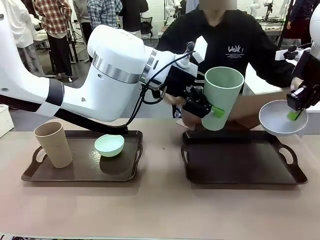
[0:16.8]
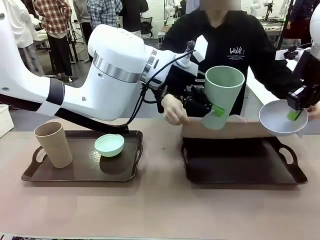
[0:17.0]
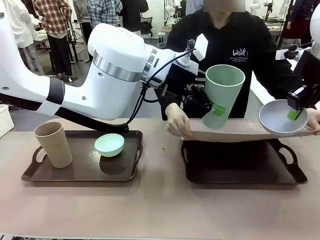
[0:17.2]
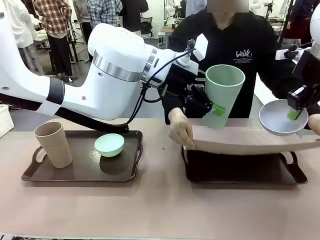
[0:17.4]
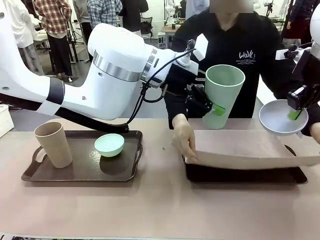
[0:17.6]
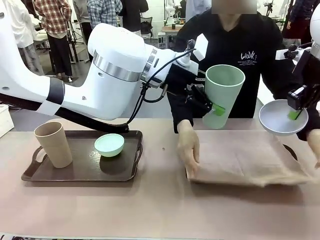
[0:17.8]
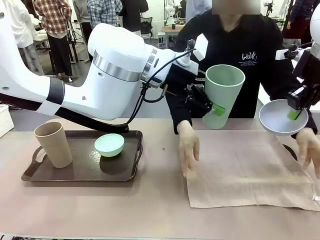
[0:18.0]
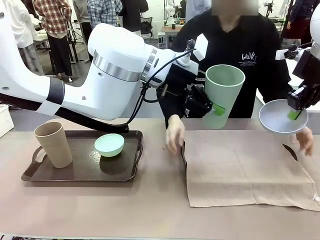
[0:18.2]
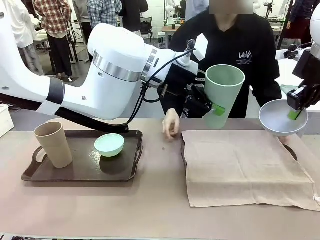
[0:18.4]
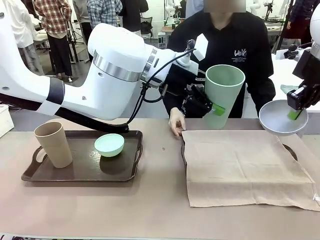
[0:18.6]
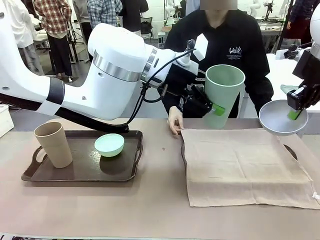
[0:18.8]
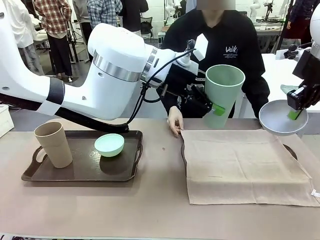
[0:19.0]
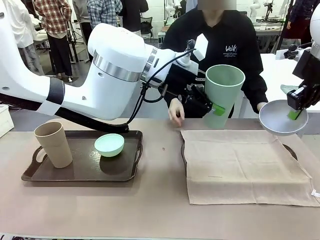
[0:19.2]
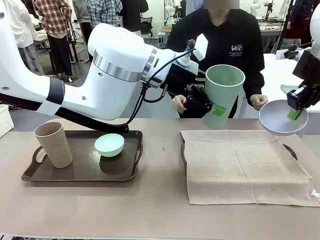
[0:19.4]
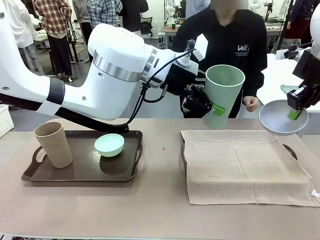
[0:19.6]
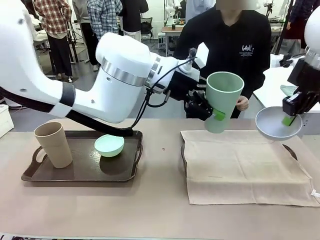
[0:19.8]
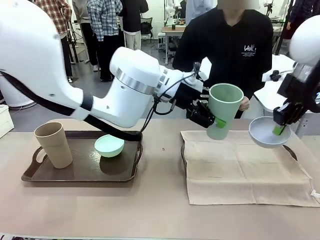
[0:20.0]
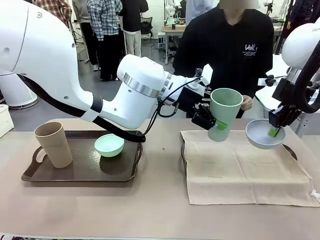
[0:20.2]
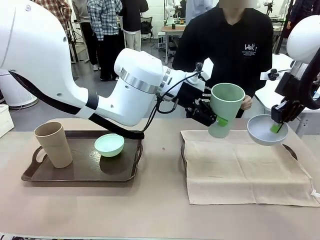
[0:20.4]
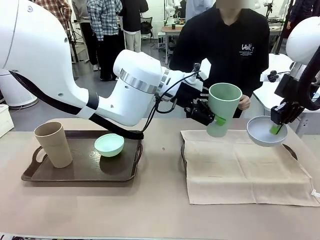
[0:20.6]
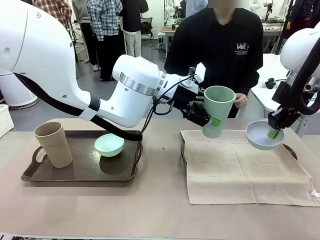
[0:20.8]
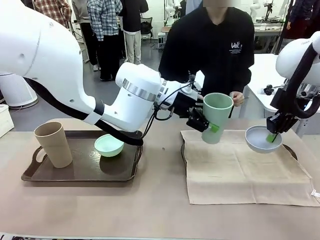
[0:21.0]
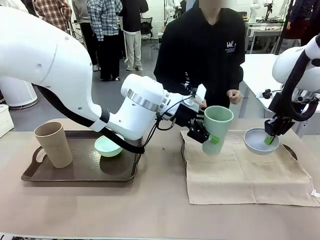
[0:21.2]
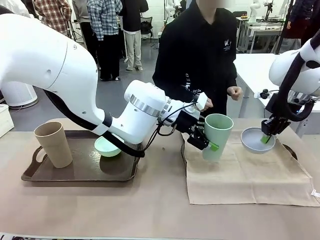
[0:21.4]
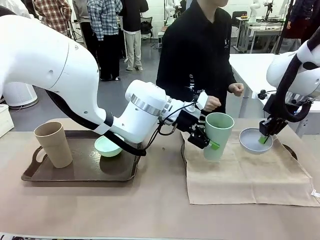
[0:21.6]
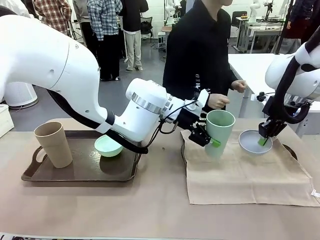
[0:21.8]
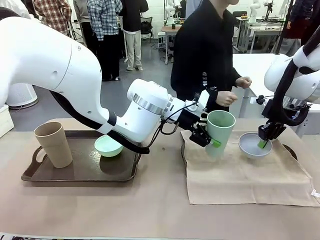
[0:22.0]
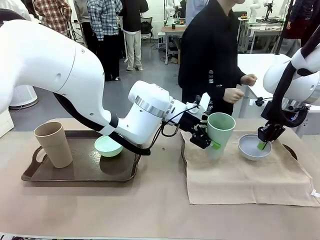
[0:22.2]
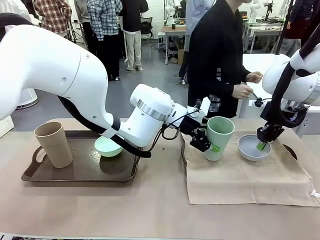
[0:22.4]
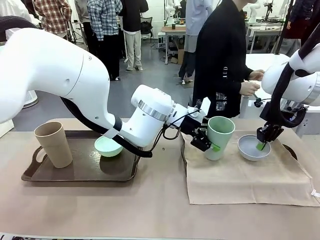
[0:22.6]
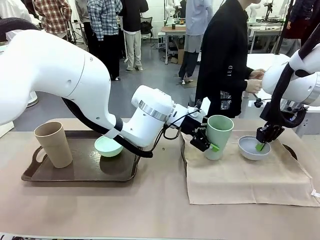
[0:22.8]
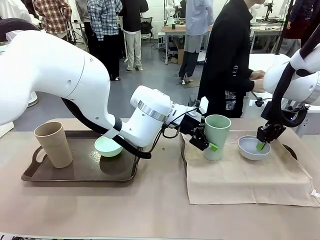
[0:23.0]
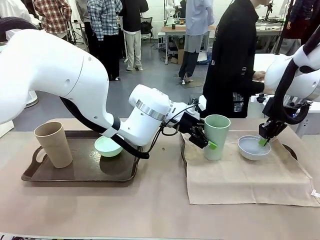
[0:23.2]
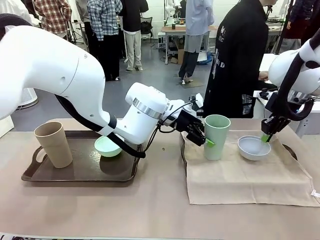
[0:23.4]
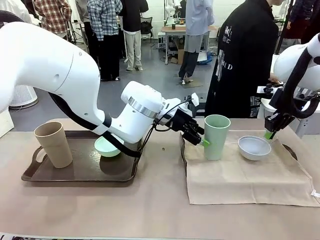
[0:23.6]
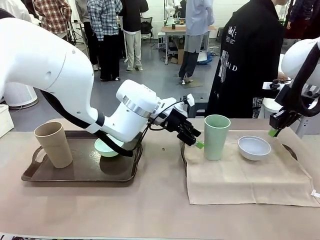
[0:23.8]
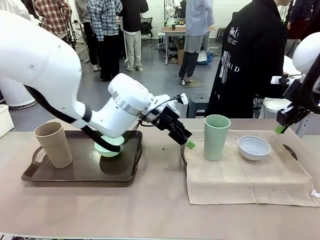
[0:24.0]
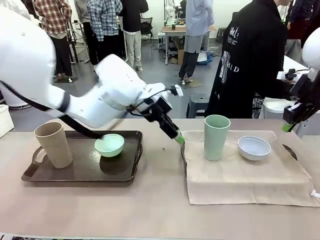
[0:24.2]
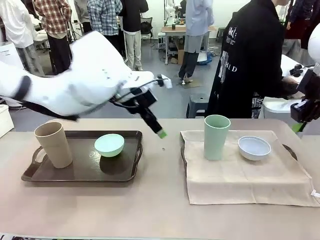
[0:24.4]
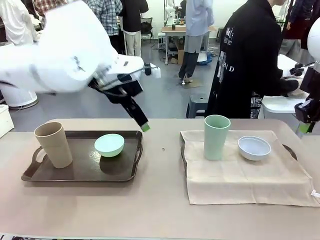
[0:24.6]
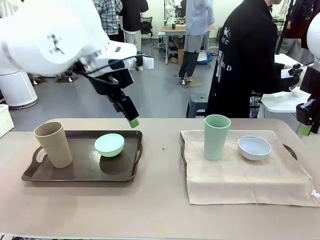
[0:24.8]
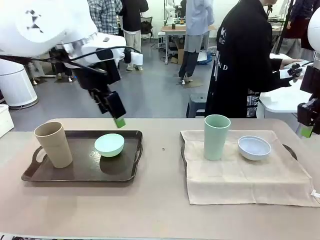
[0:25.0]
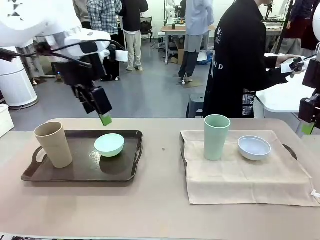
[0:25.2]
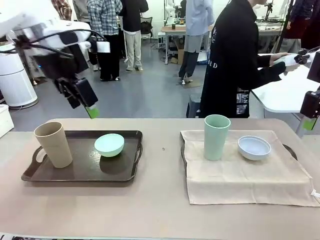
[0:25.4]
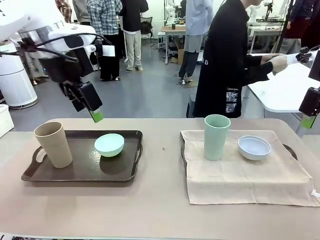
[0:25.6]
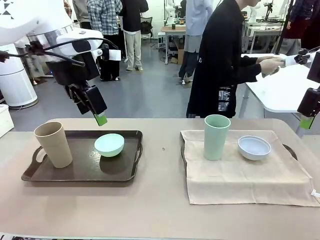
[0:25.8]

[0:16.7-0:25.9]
Robot: Place the Picnic Bowl and Reusable plastic cup back onto the Handle tray in front of the human's position.
Person: The human returns to the human table to pick up another napkin and walks to the robot table to stand in front of the tray without a napkin.

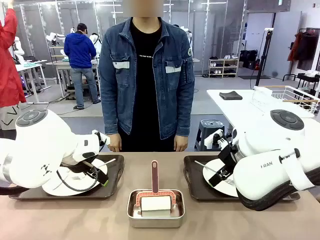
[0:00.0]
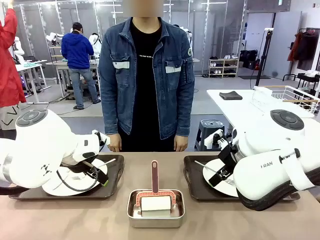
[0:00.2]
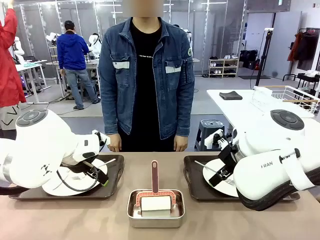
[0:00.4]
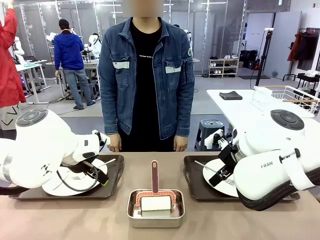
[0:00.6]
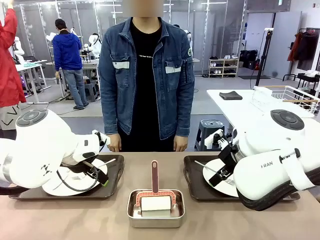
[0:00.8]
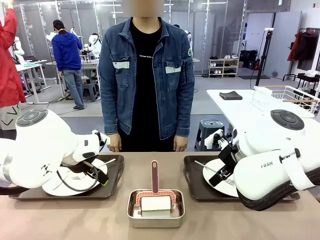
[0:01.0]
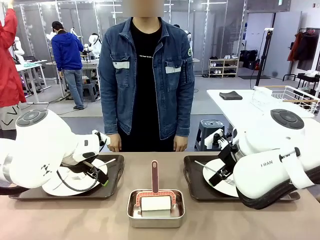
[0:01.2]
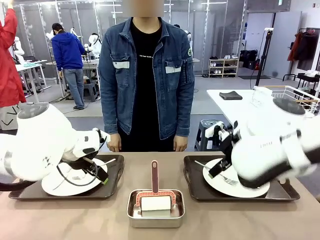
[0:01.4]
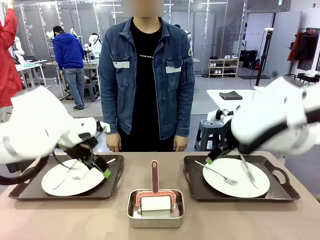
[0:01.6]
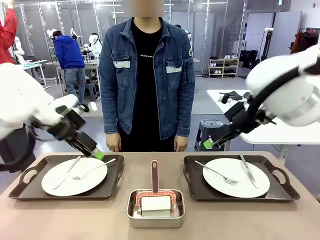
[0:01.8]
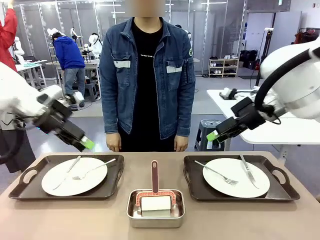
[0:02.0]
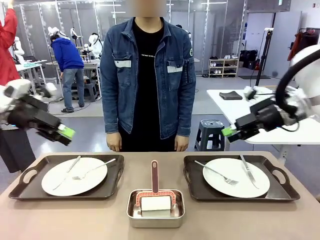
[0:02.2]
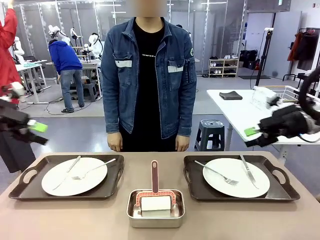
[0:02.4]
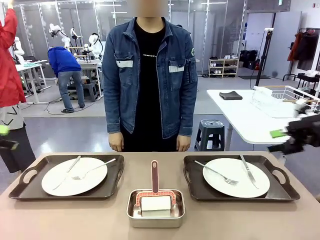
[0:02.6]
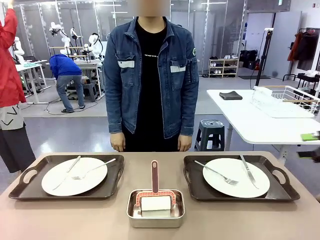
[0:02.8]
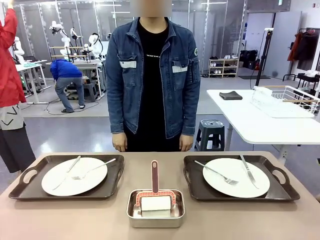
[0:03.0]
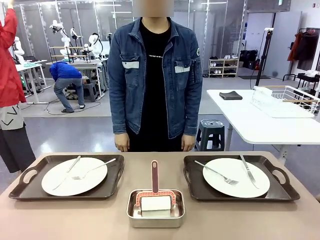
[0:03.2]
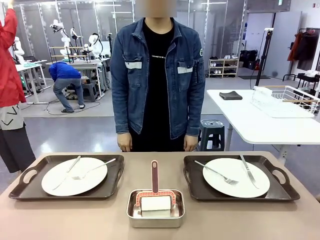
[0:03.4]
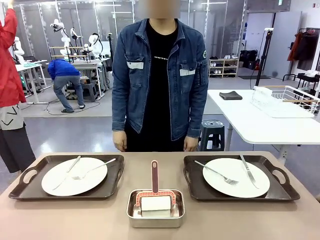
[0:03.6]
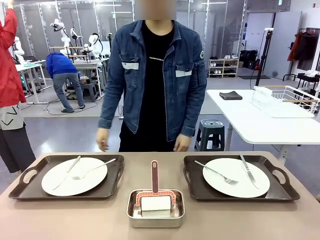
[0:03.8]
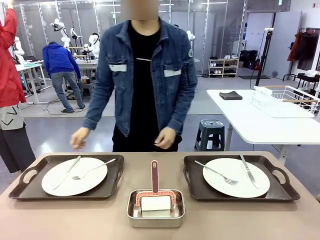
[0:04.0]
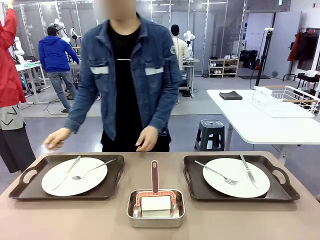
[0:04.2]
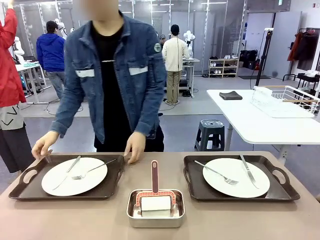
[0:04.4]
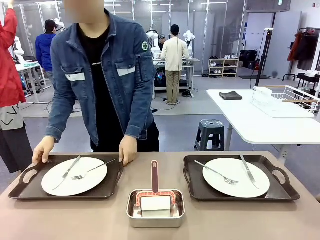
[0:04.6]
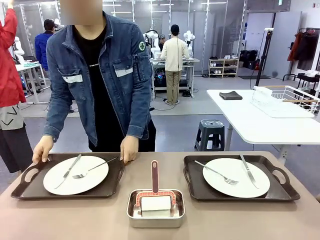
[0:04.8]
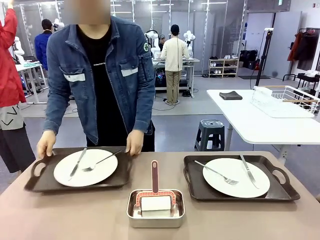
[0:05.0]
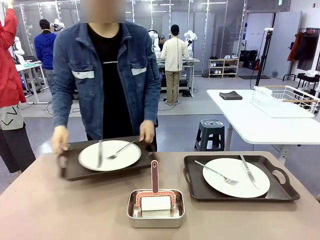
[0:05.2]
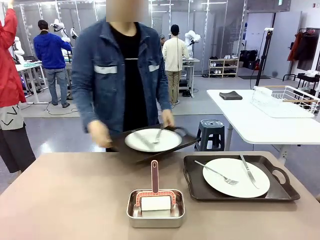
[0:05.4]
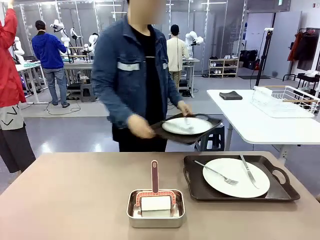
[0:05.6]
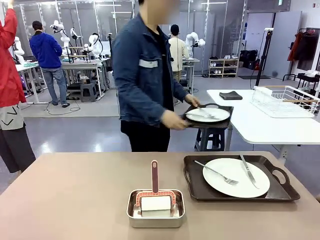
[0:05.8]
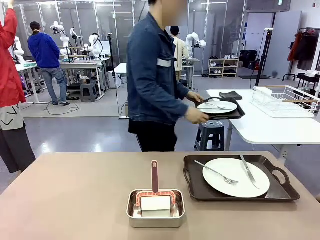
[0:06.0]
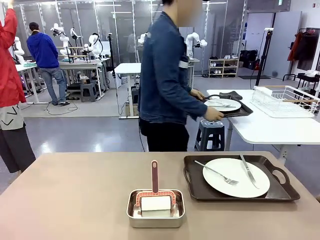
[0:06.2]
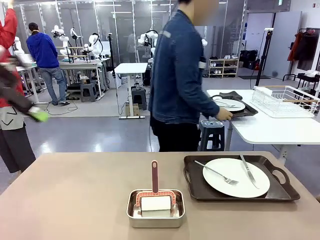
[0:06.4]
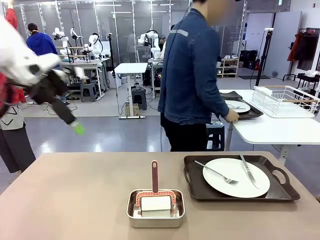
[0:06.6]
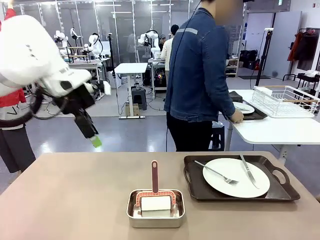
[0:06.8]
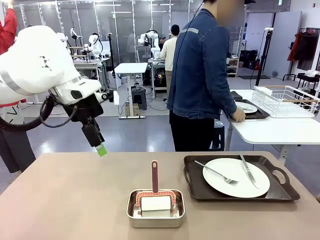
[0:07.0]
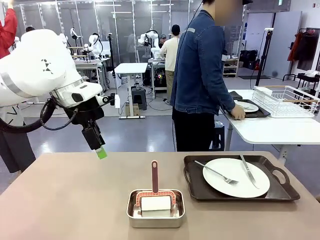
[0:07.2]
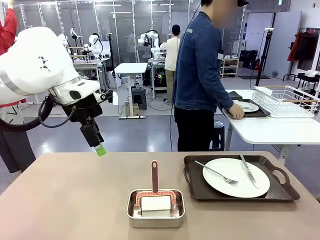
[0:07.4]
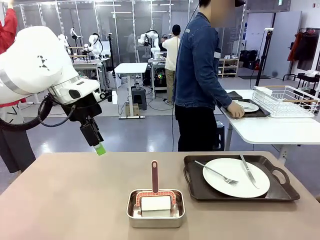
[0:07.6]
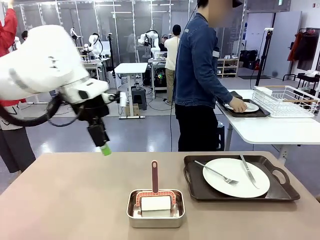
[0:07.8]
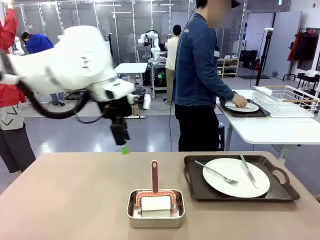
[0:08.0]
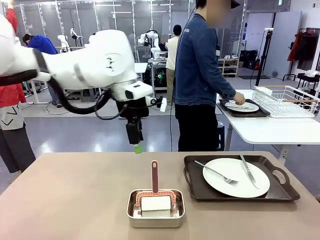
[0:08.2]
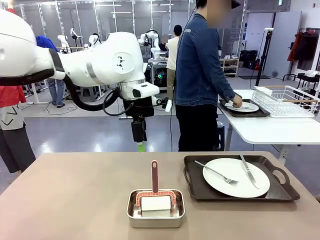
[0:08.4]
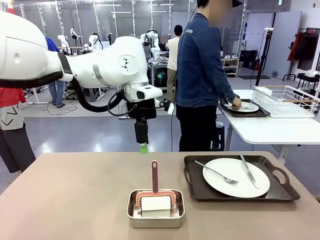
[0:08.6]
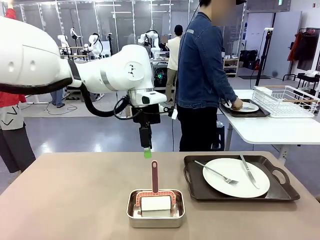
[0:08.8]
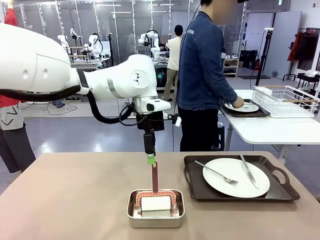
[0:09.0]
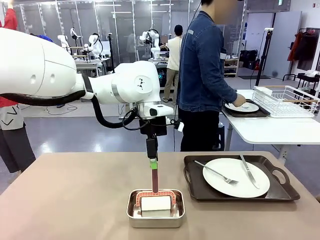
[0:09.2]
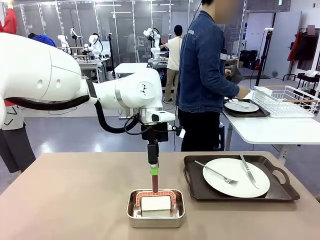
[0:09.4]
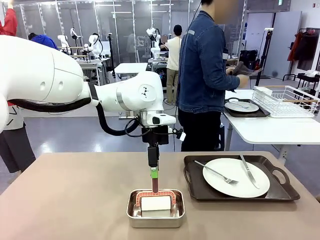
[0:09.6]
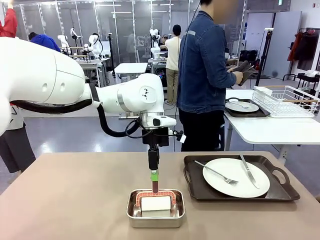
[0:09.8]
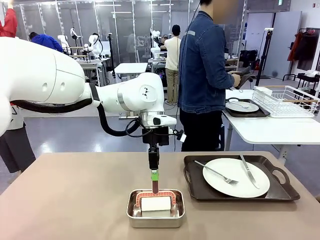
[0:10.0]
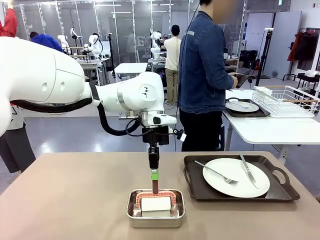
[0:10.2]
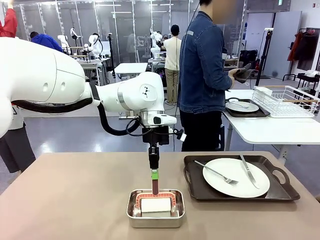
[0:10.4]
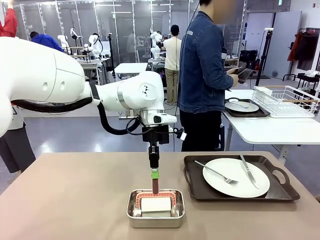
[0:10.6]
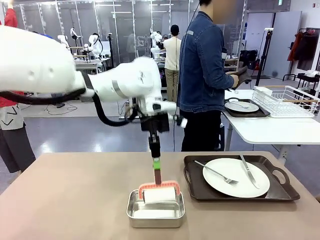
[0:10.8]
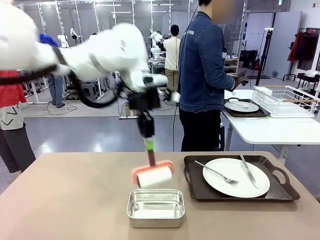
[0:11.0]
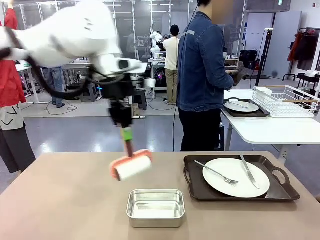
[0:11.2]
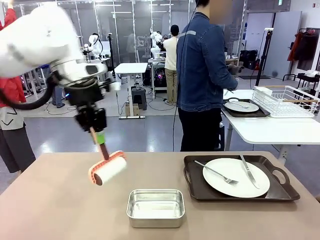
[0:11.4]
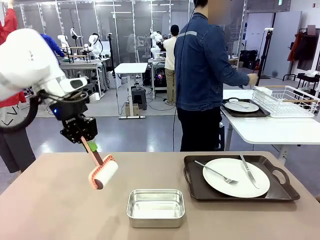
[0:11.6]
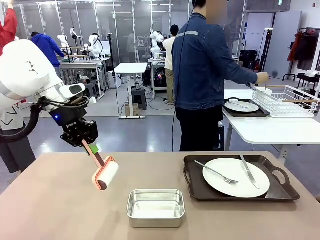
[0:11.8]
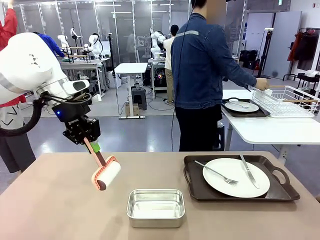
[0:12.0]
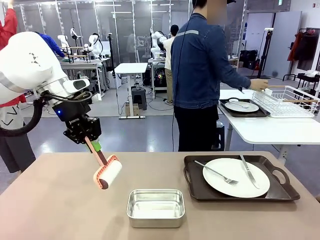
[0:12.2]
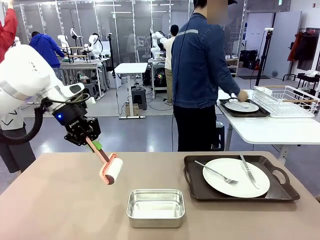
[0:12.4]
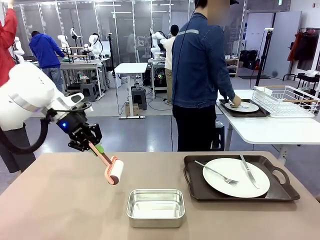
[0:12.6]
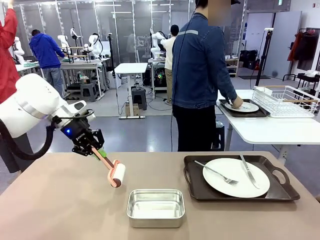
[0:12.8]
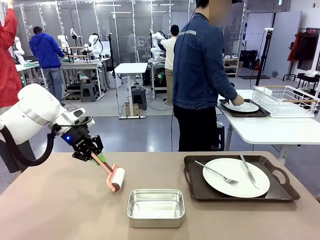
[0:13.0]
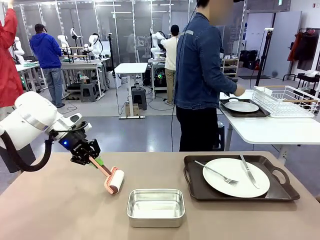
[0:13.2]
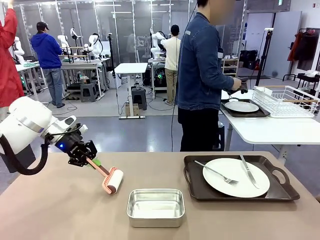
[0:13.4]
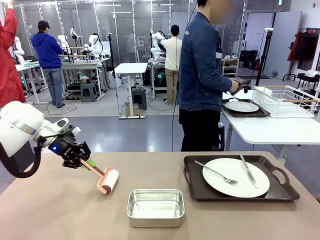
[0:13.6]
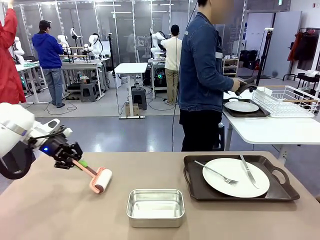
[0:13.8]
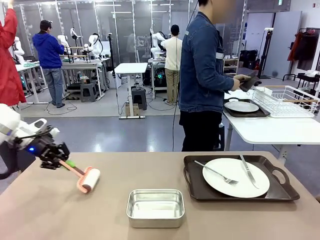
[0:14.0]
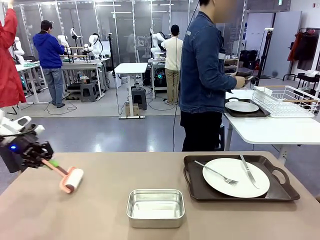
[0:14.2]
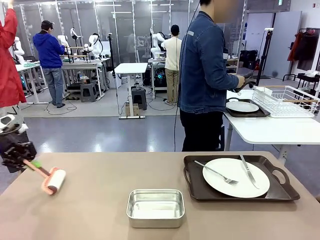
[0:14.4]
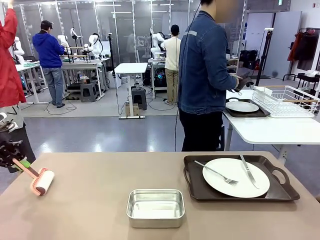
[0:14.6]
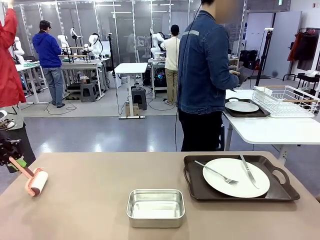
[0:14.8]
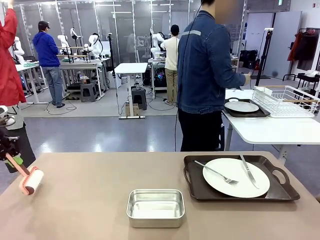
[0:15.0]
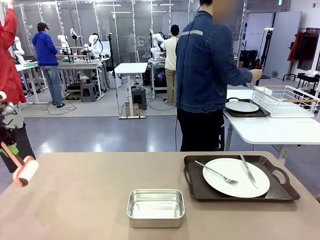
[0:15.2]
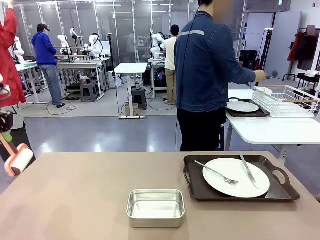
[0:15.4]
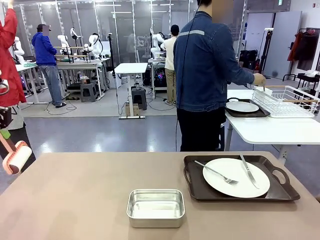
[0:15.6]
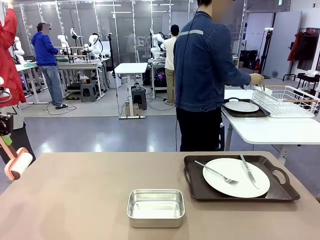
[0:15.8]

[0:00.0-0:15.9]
Robot: When the left (or right) Handle tray is removed, use the left hand (or right hand) to clean the left (or right) side of the table with the Lint Roller.
Person: Pick up the left (or right) Handle tray and place it on the middle of the Human's table. Use the Towel with hook to wipe the Plastic Matte Plate , Fork , and Knife and place into the Dish drying rack.
